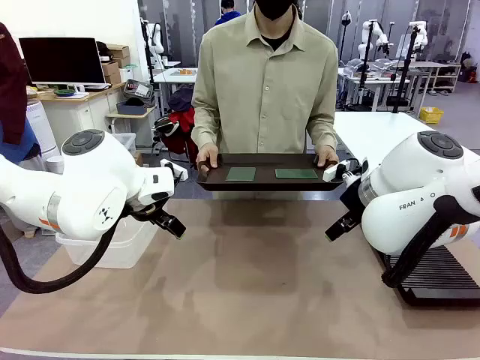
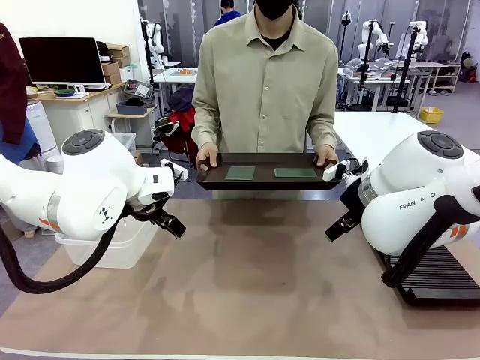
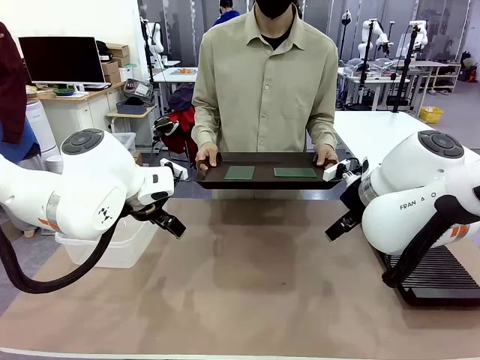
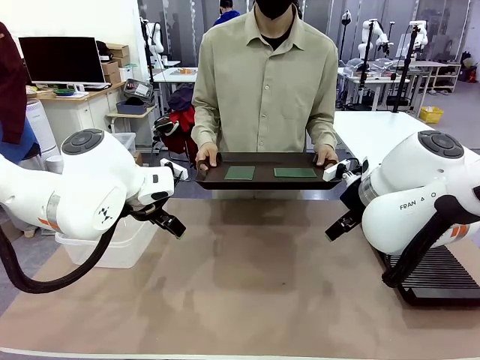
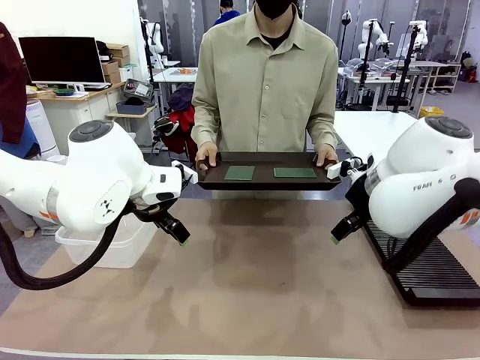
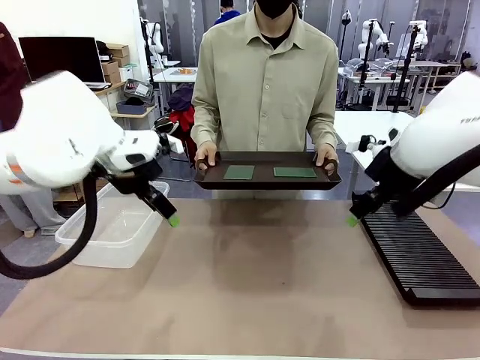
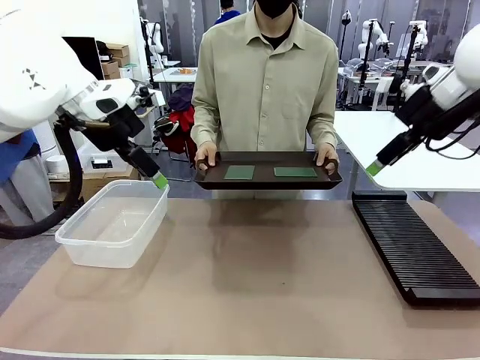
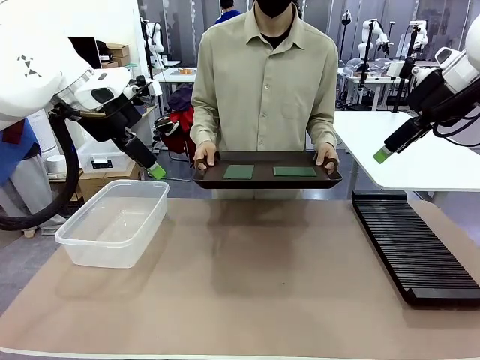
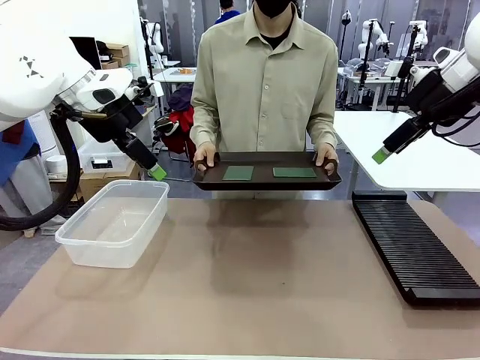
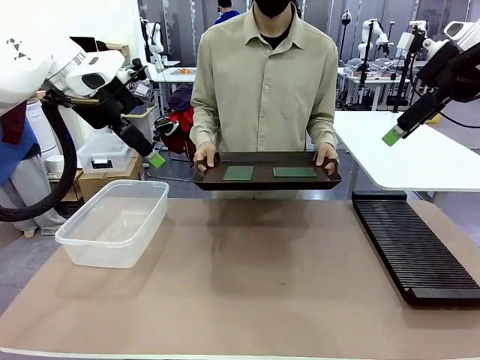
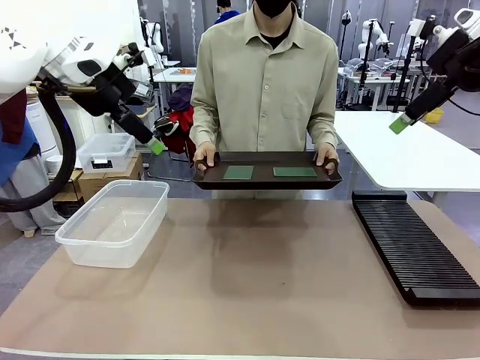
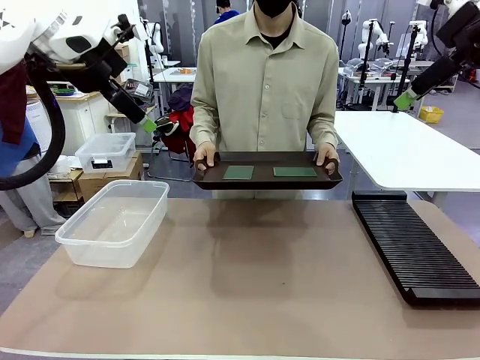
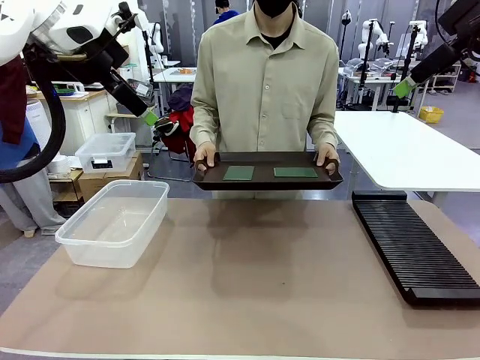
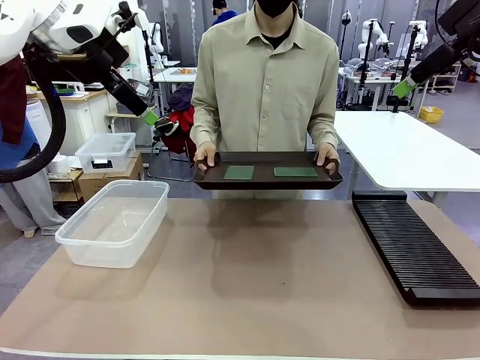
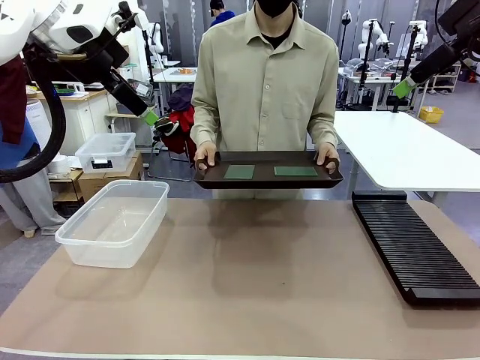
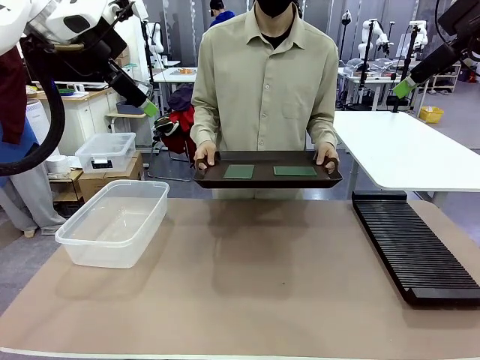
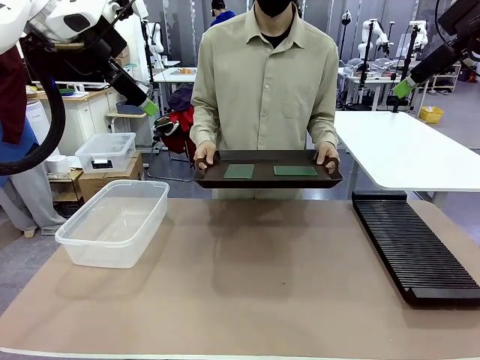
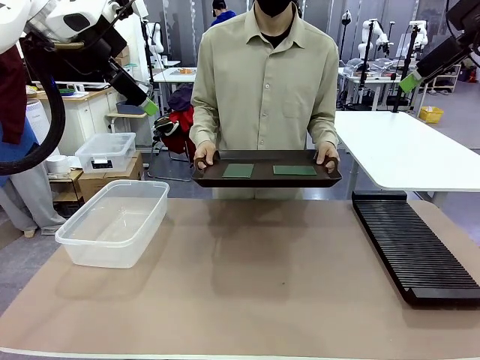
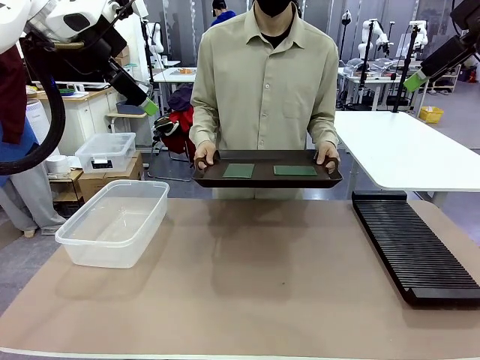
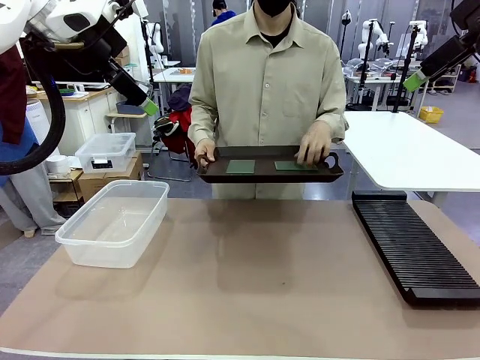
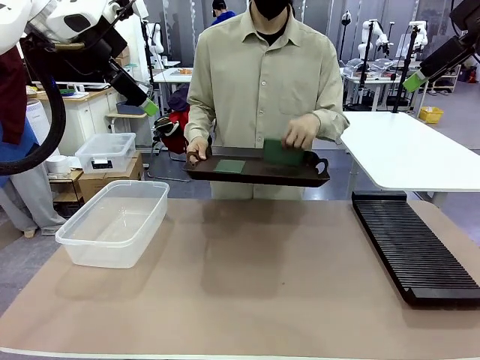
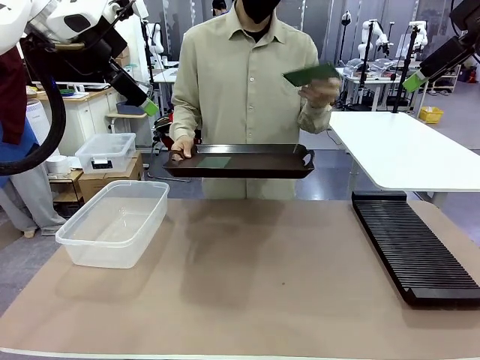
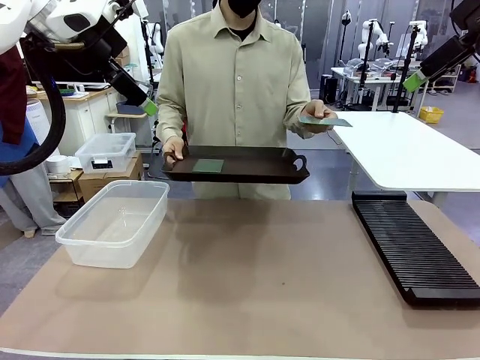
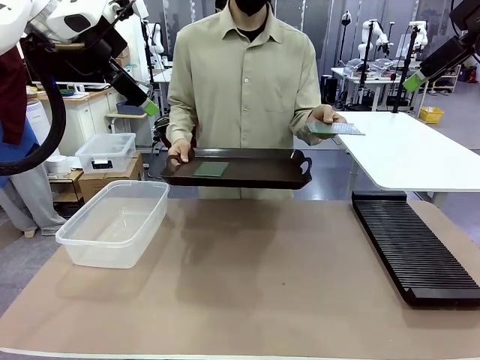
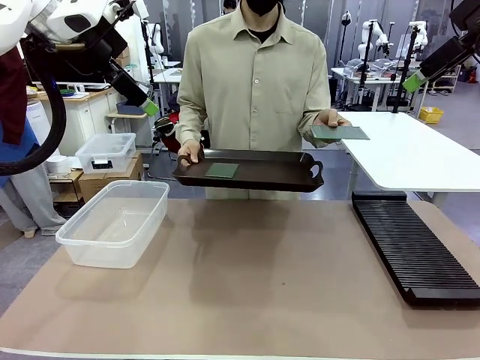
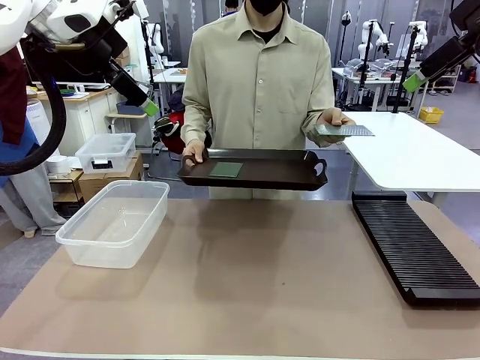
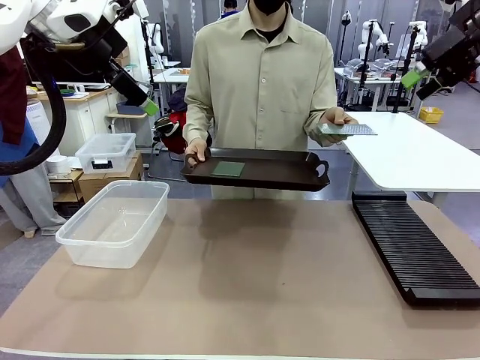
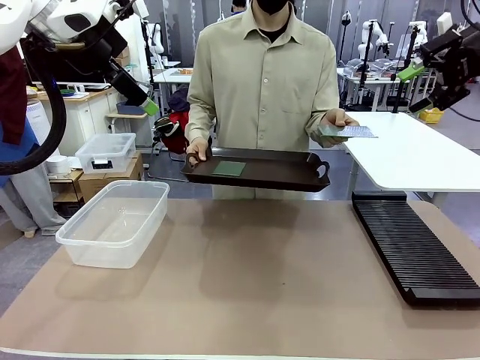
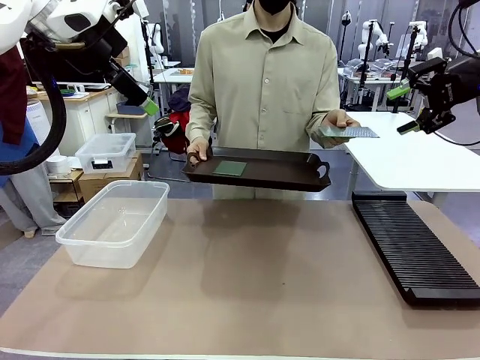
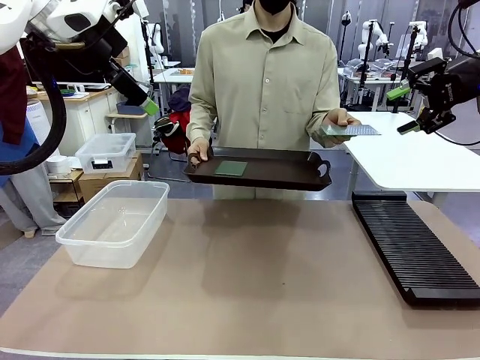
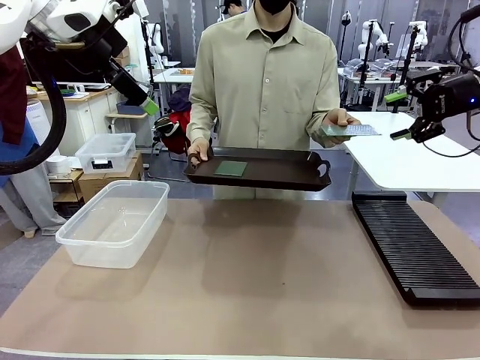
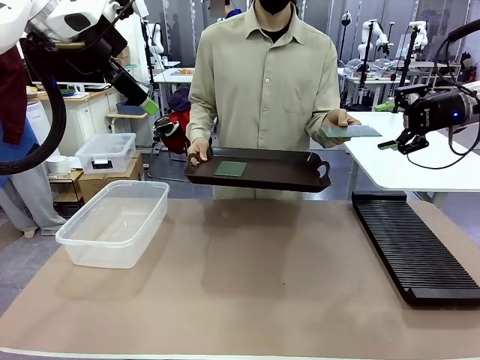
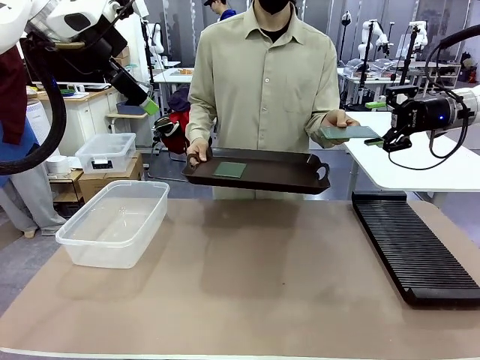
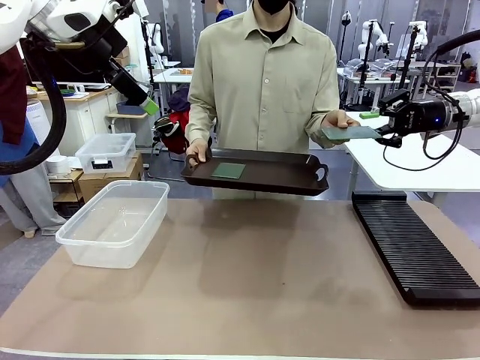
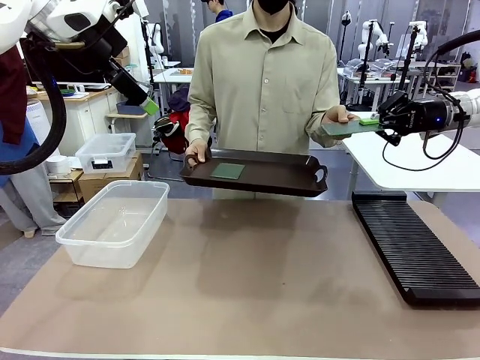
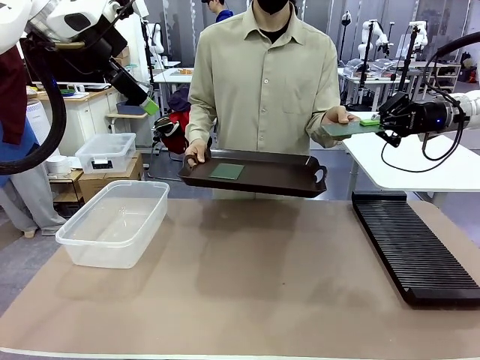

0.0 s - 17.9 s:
Task: Sort PCBs into racks and boxes based on the side picked up.
Robot: Pick up the Blank PCB handed by the Human.
Person: Pick one PCB from the tray and present it to the robot. Release the PCB being held.

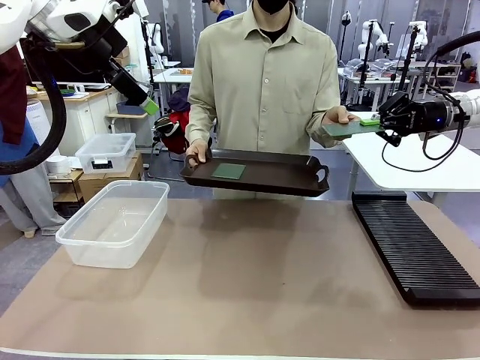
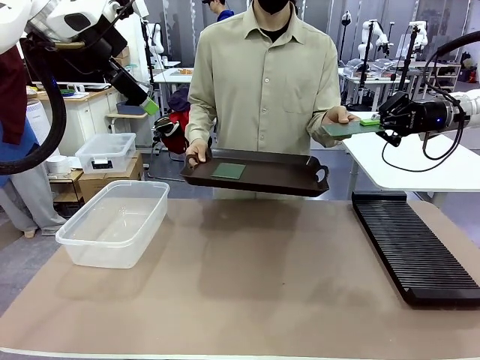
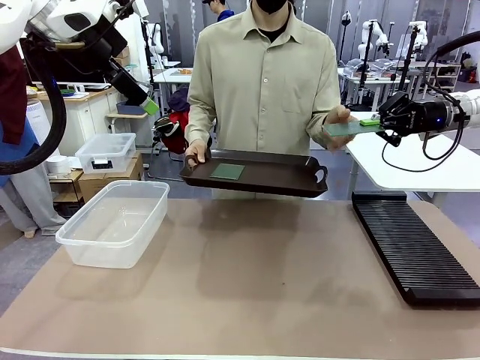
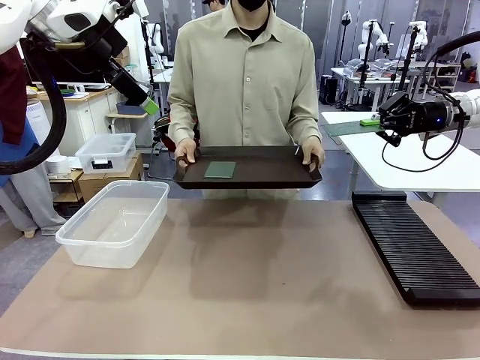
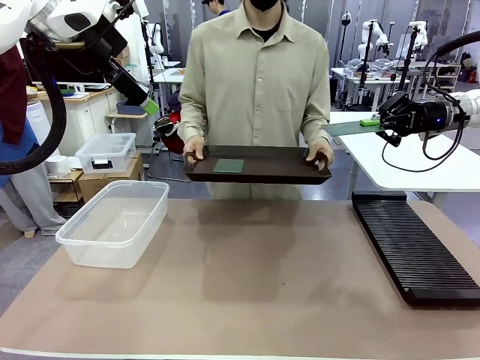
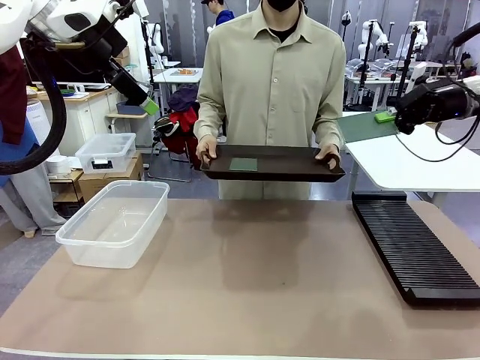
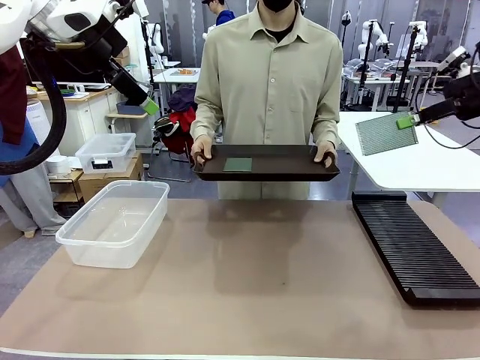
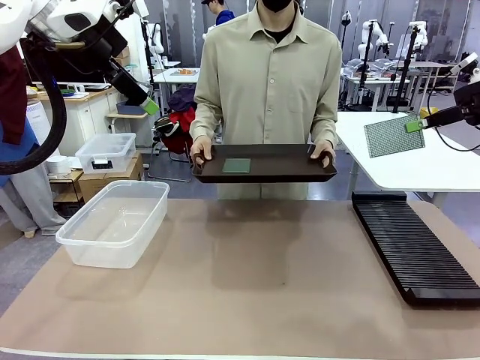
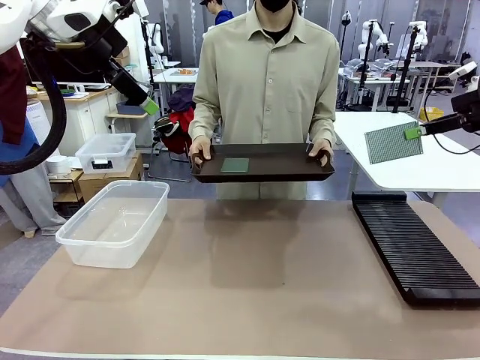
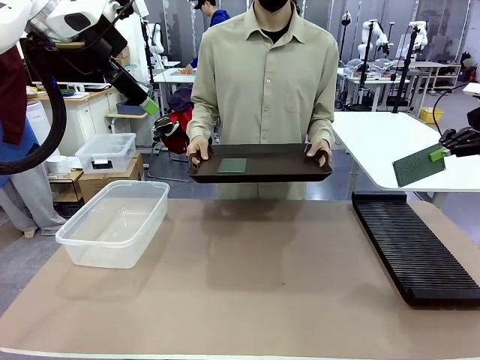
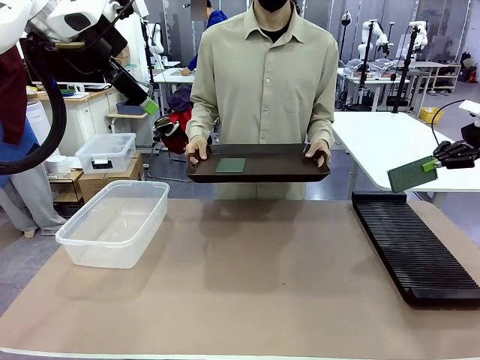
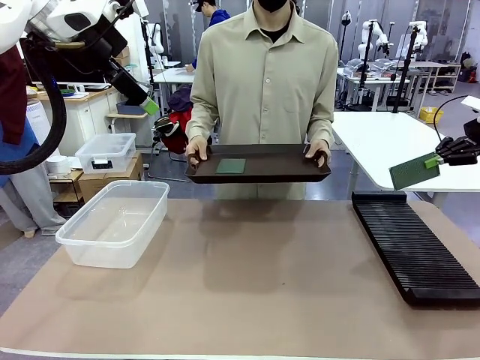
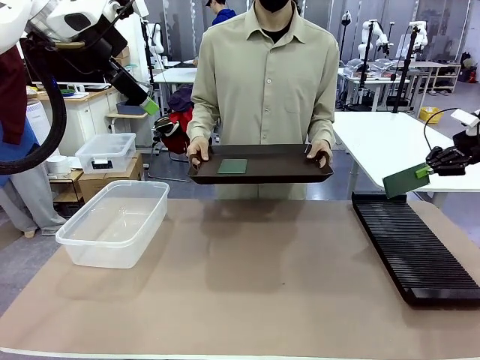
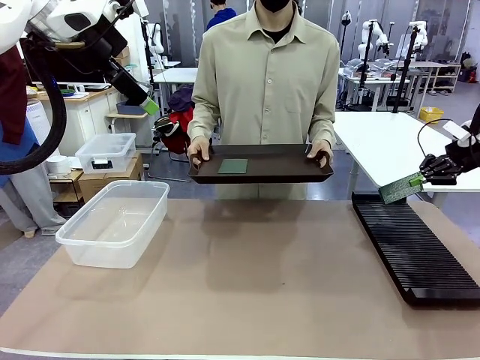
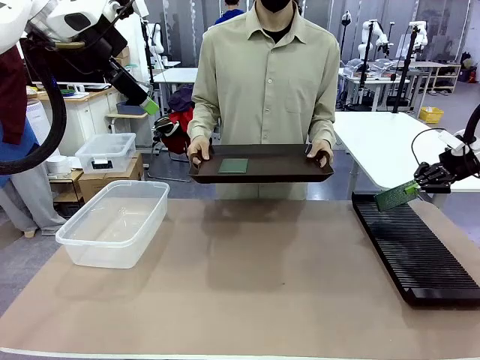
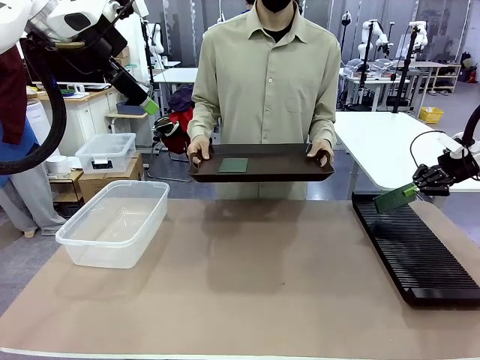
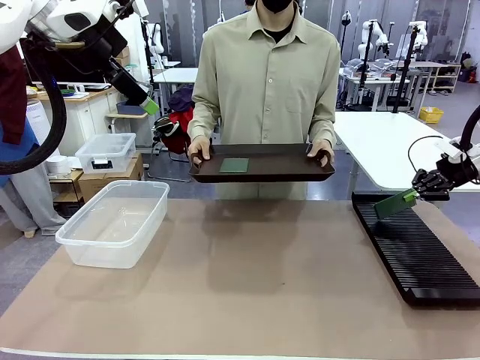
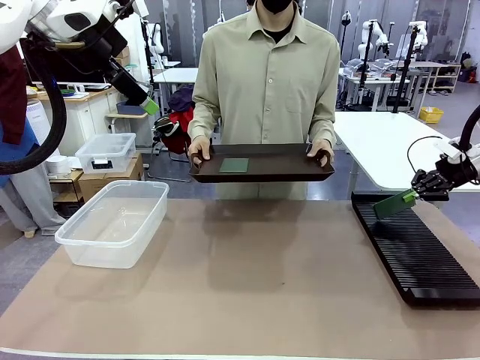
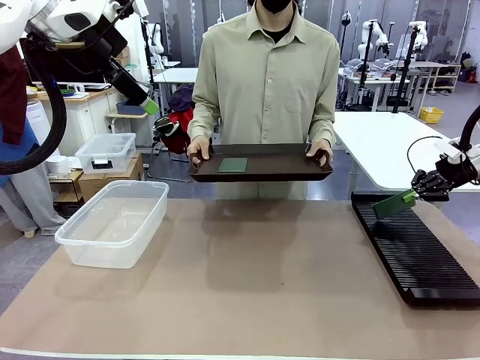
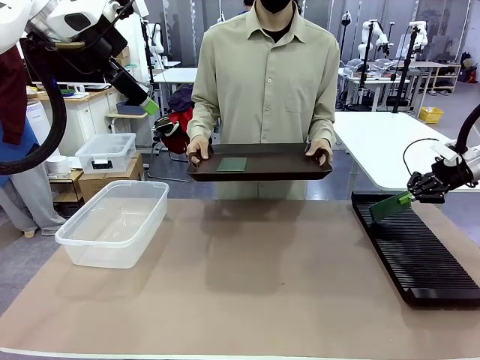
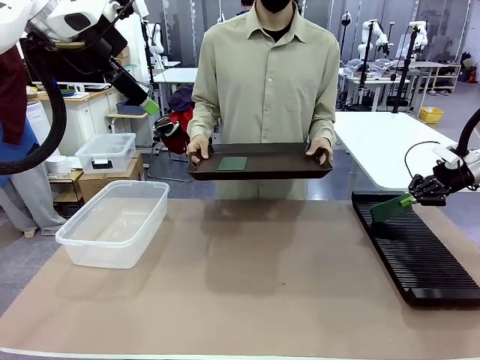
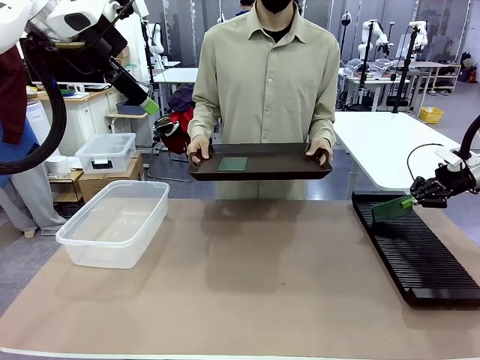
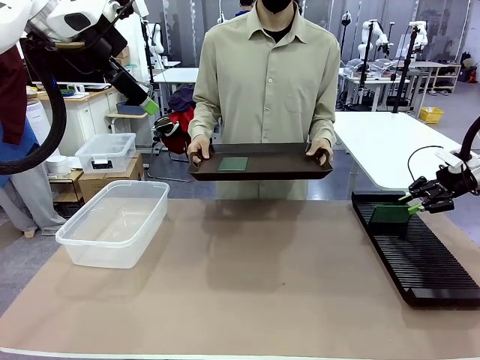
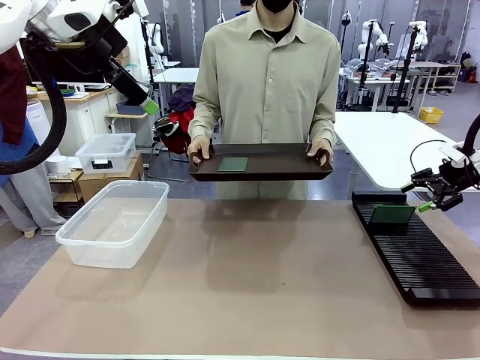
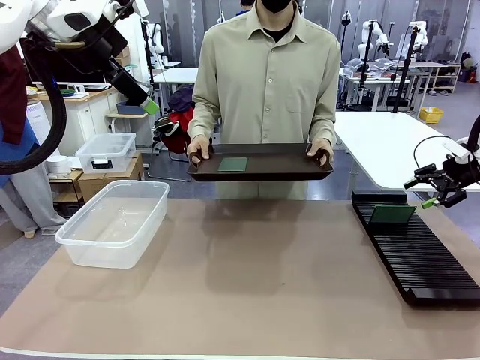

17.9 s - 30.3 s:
Robot: If the short side of the Blank PCB is picked up, insert it into the PCB Rack ; if the long side is picked up, place it in the Organizing box.
Person: Pick one PCB from the tray and present it to the robot.
